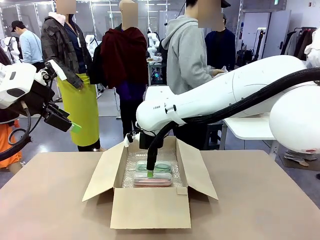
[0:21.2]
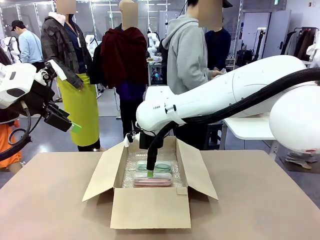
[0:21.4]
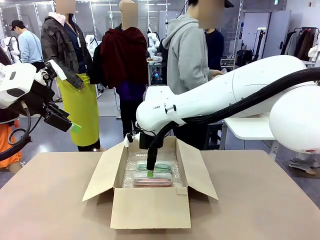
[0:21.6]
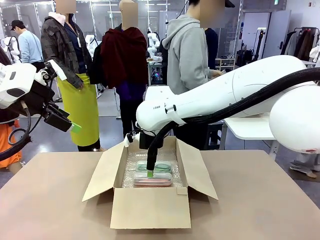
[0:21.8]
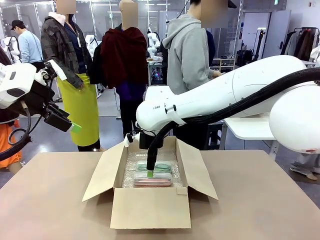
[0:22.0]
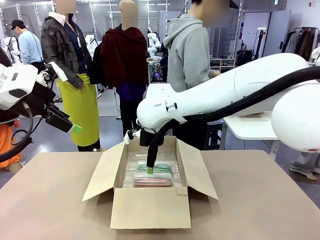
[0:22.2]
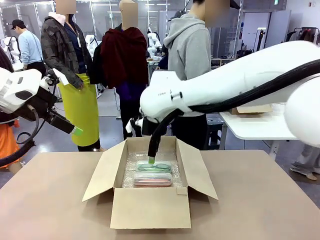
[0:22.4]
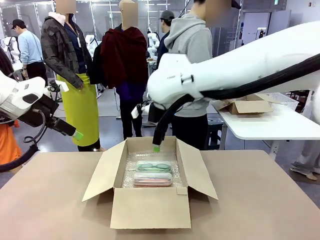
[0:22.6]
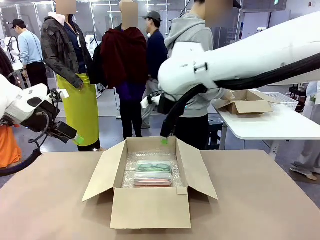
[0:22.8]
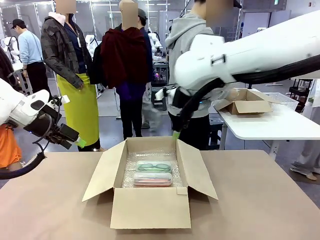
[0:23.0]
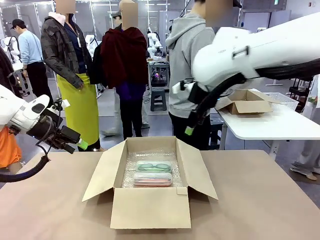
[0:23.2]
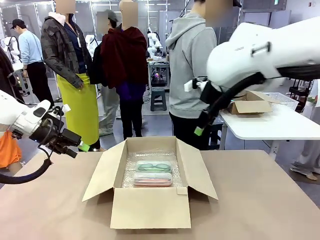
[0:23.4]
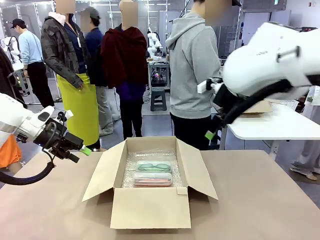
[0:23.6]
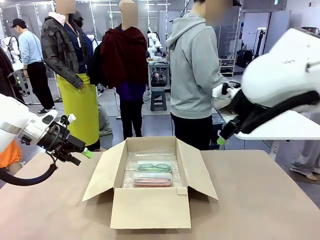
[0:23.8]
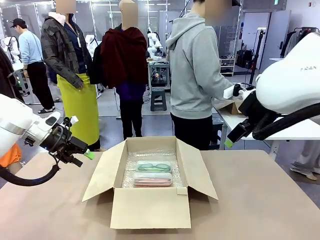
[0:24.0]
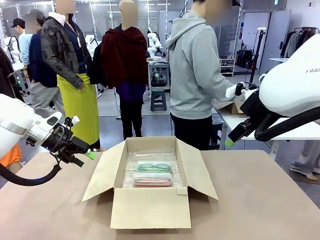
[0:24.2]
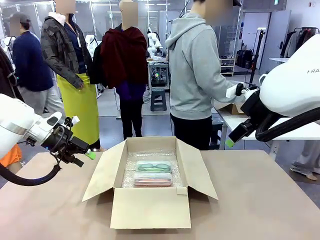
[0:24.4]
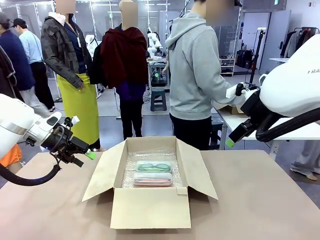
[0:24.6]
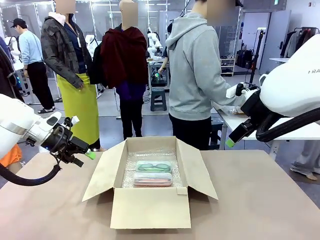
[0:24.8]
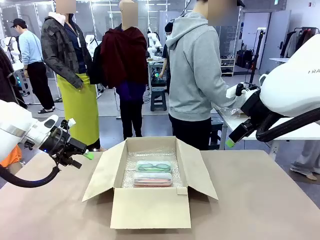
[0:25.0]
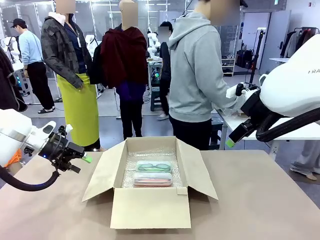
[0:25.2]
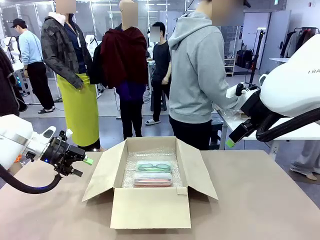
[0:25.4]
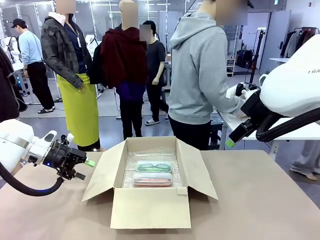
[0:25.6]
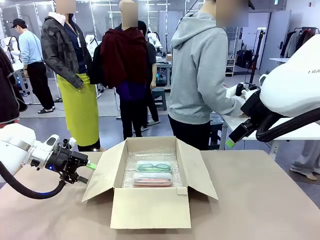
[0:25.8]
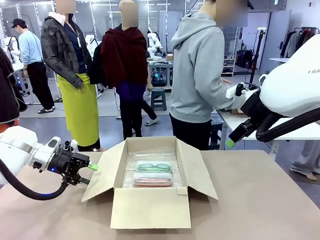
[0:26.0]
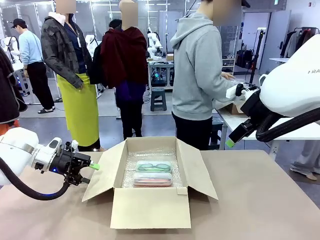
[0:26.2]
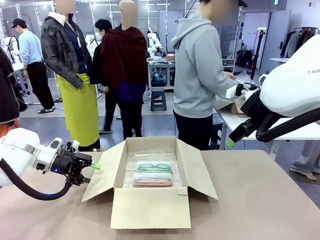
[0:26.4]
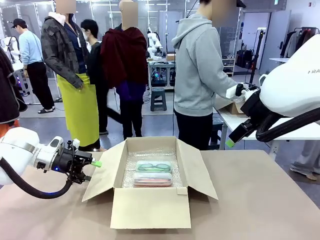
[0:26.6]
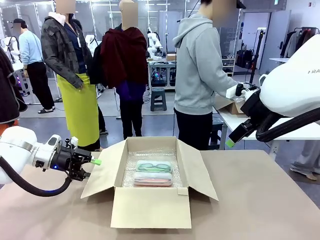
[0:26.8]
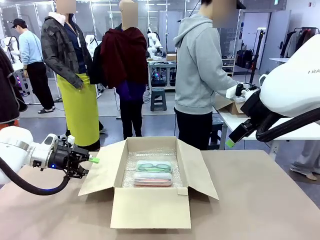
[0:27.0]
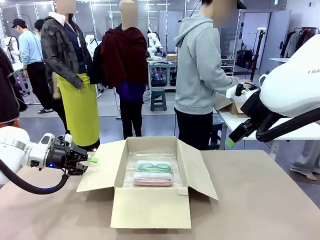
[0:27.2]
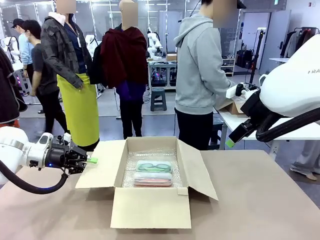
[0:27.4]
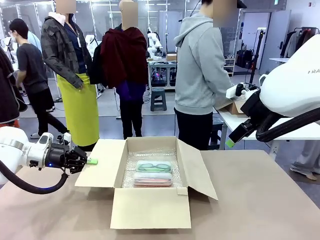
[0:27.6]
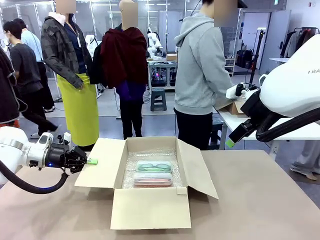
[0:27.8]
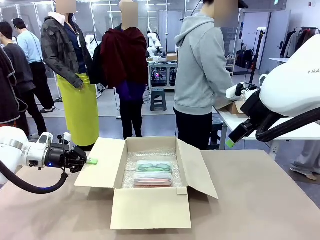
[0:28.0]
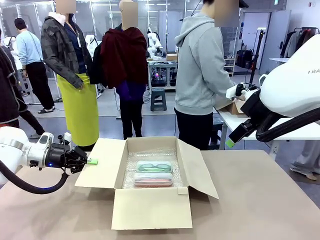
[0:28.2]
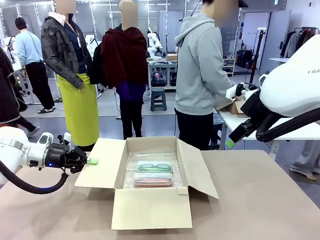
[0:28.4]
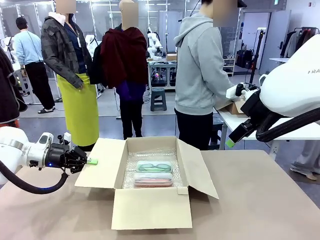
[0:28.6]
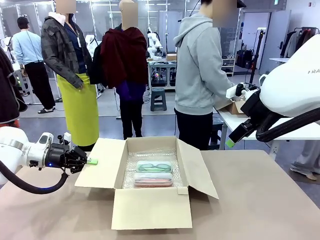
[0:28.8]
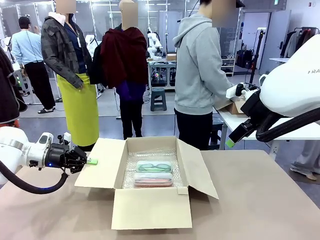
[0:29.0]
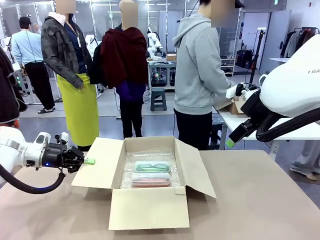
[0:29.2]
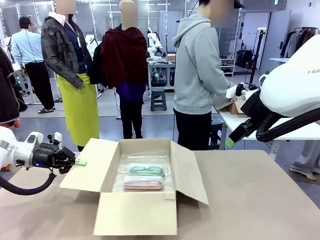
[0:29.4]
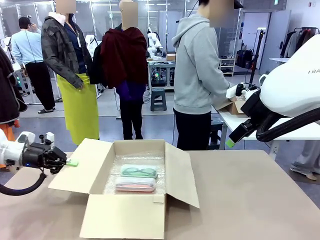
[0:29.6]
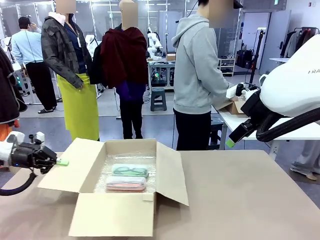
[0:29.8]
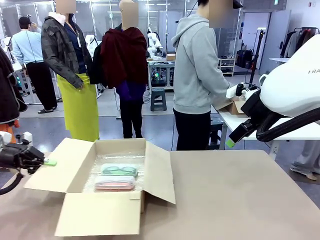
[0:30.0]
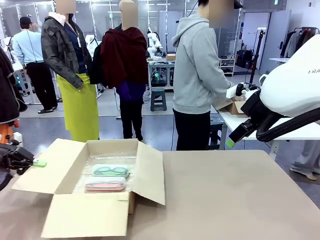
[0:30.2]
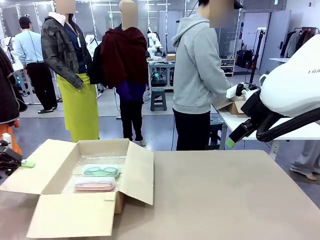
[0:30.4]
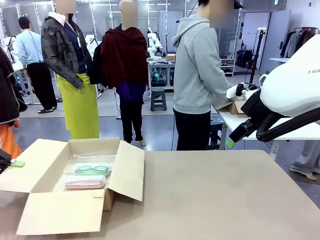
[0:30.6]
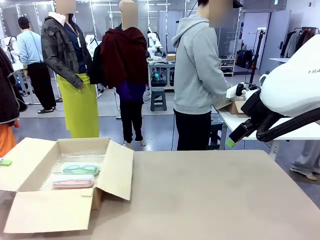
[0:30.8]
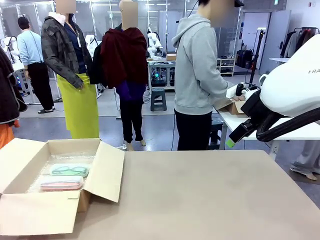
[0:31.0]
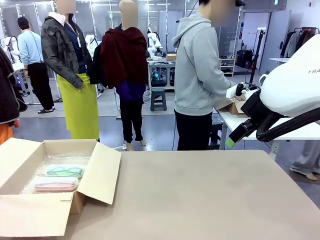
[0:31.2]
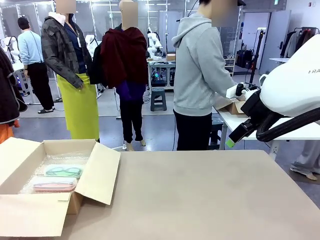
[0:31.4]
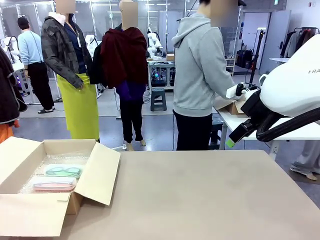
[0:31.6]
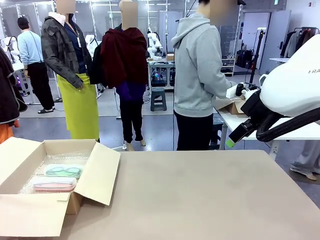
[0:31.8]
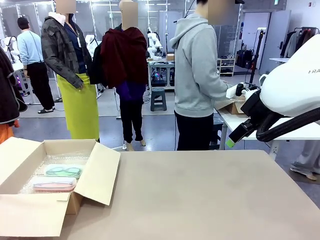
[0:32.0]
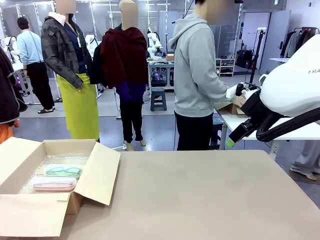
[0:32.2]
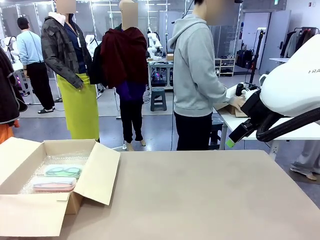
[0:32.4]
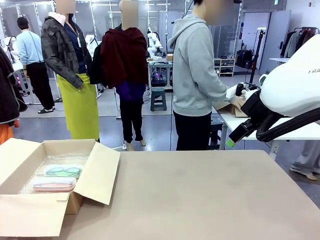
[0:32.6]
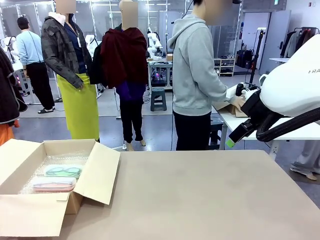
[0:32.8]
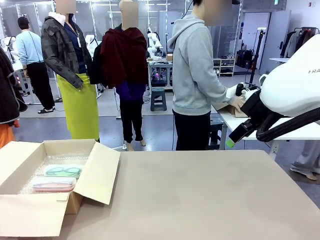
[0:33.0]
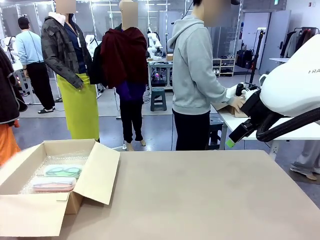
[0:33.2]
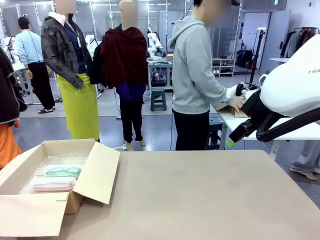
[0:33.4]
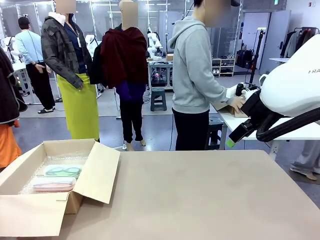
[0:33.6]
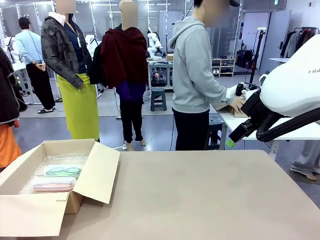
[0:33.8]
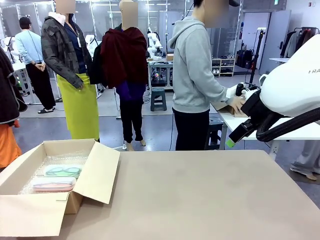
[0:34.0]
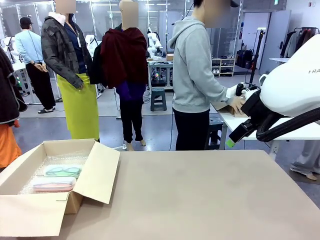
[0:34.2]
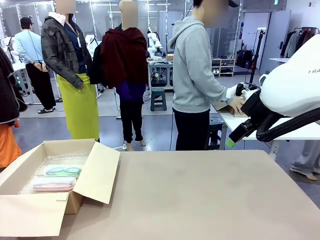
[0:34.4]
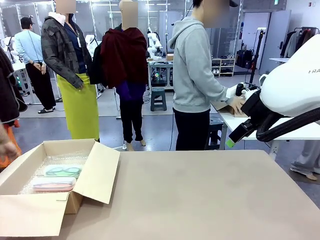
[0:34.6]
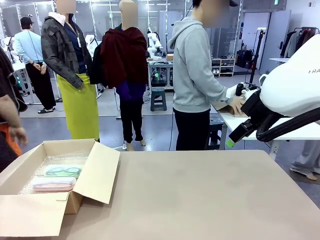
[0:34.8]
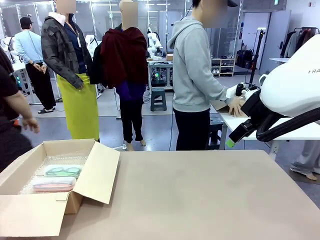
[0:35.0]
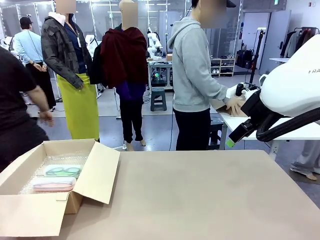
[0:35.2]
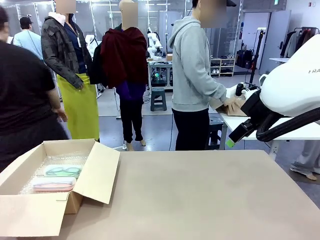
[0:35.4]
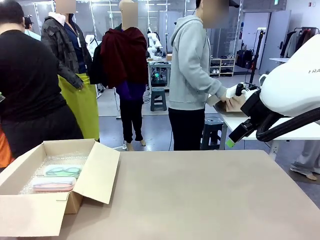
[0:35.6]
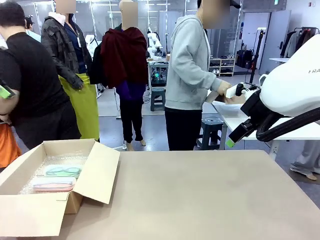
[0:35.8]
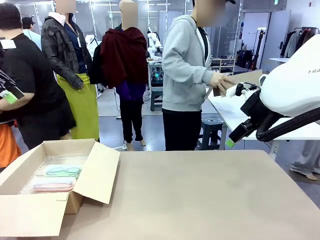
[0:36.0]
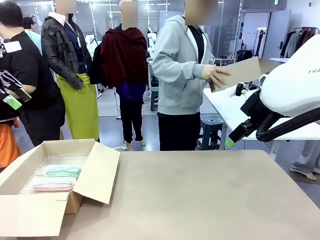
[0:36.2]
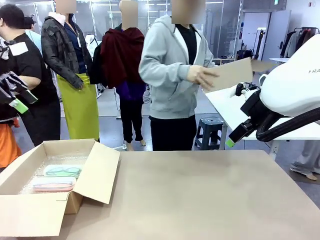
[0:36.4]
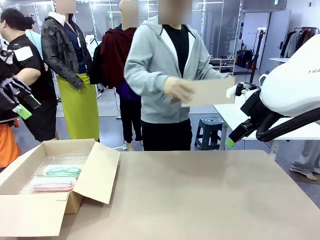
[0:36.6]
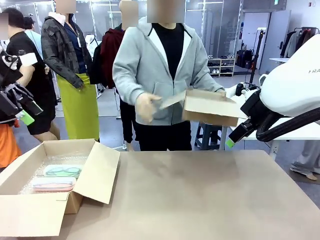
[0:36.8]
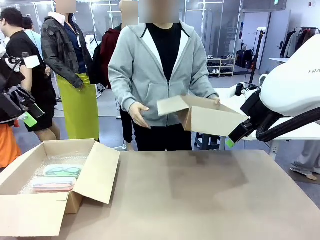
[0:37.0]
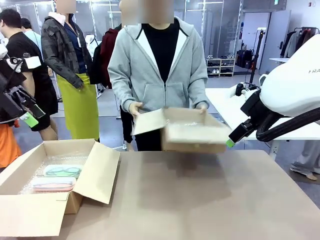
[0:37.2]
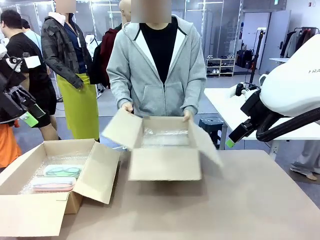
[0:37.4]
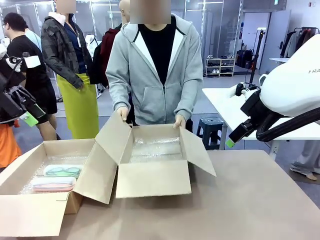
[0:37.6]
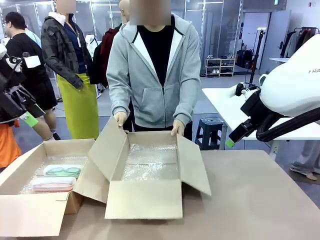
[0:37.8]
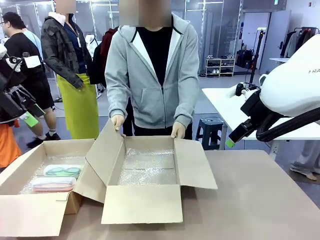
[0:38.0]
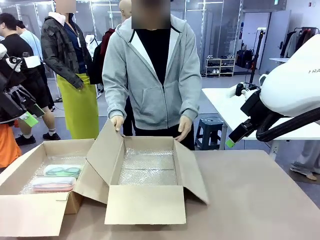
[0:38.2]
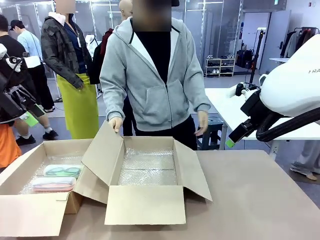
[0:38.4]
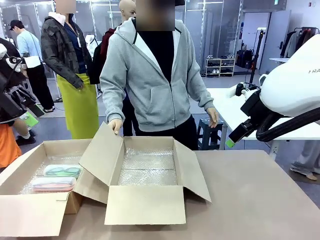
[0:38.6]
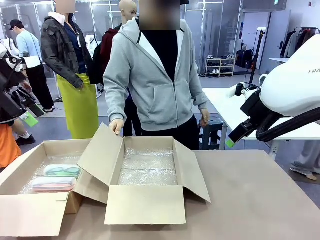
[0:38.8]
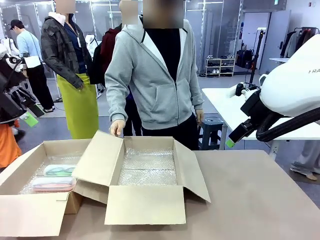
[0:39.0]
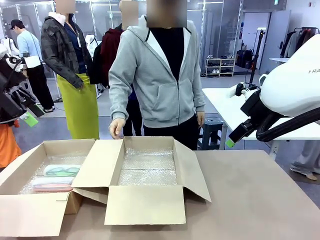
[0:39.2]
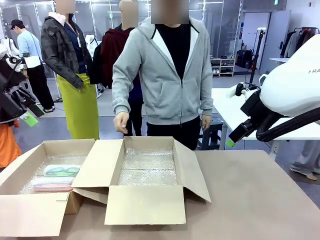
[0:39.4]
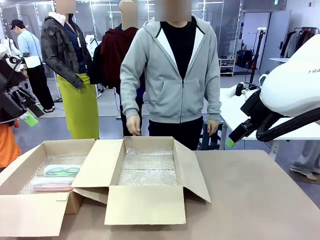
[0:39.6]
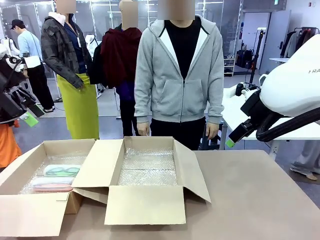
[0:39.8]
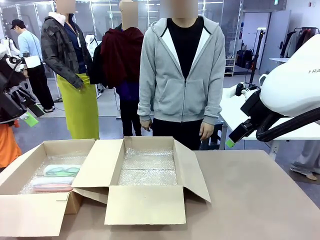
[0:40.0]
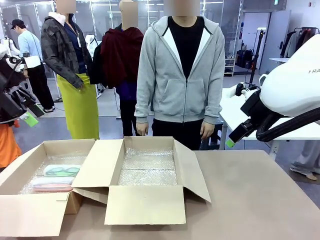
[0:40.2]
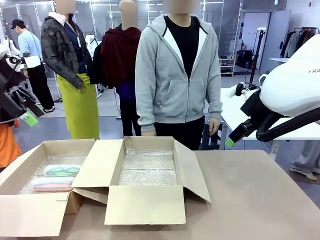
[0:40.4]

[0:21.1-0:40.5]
Task: Pack the glasses set securely to prepare it for shipping.
Robot: Position the Package Box on the left side of the table.
Person: Position the empty Package Box in the middle of the robot's table.
